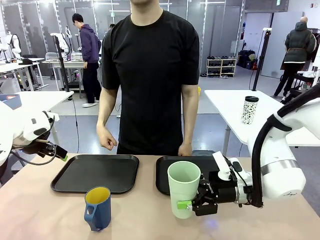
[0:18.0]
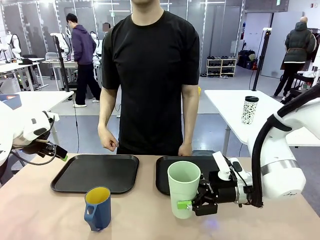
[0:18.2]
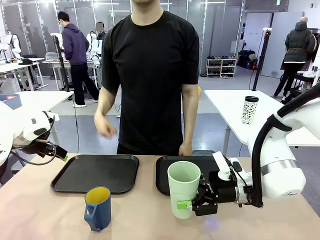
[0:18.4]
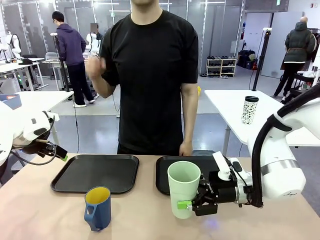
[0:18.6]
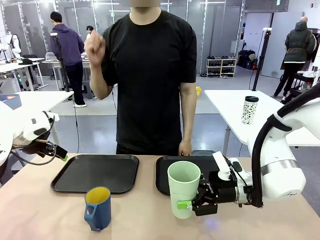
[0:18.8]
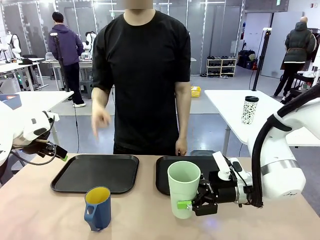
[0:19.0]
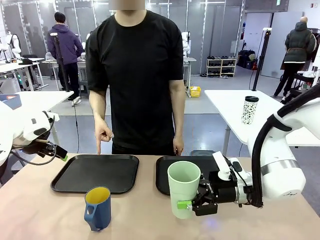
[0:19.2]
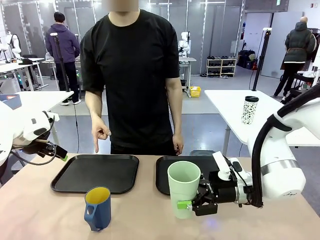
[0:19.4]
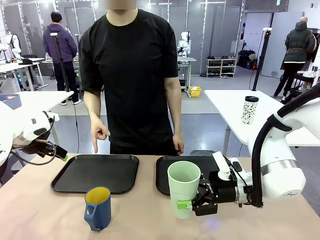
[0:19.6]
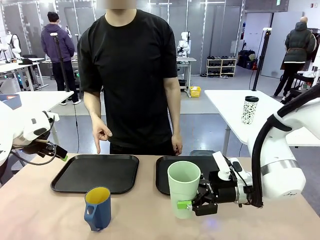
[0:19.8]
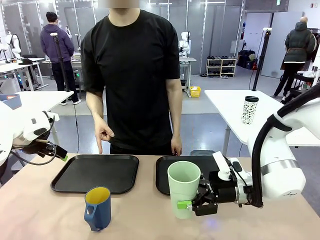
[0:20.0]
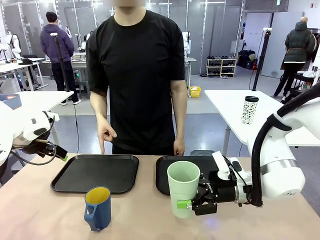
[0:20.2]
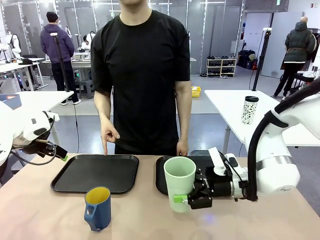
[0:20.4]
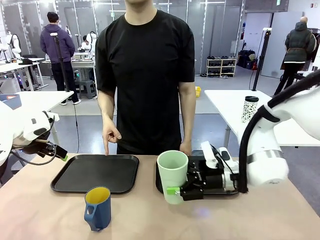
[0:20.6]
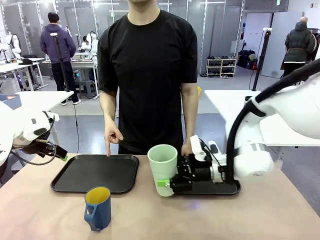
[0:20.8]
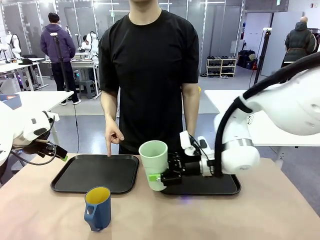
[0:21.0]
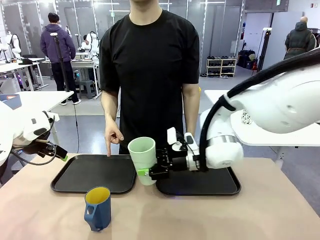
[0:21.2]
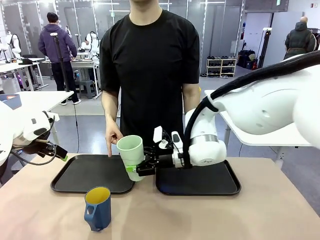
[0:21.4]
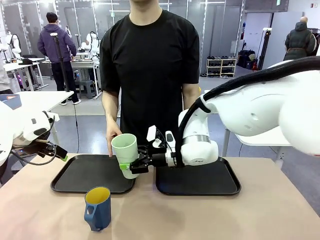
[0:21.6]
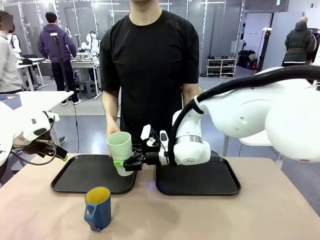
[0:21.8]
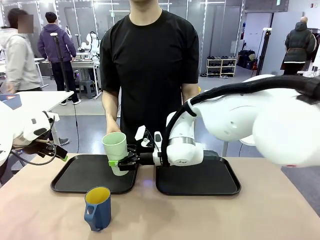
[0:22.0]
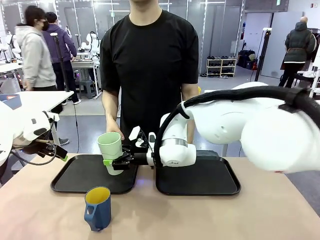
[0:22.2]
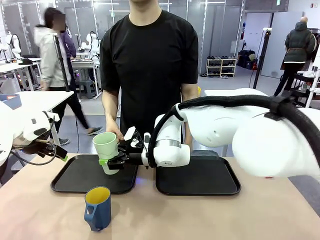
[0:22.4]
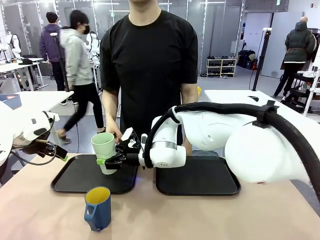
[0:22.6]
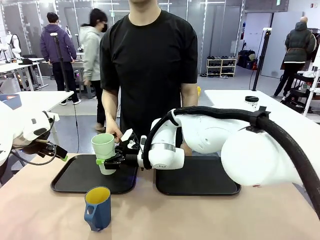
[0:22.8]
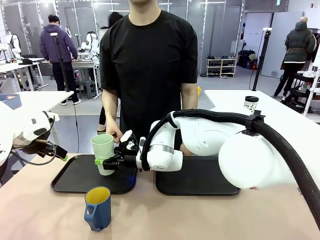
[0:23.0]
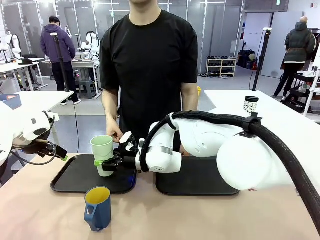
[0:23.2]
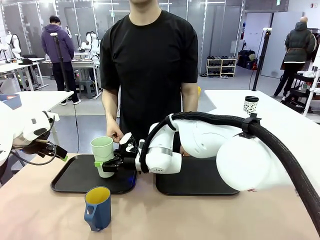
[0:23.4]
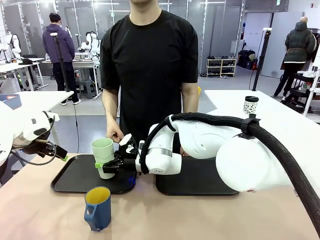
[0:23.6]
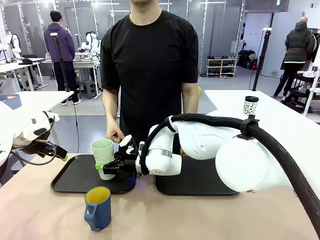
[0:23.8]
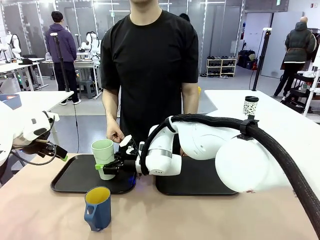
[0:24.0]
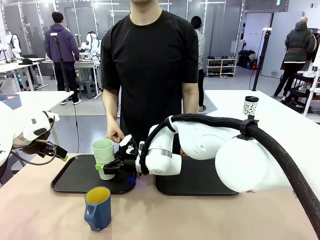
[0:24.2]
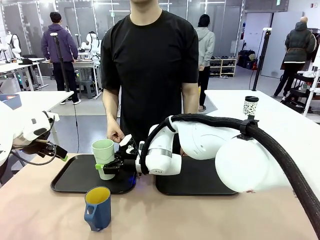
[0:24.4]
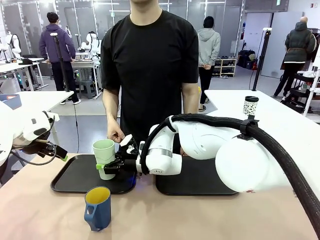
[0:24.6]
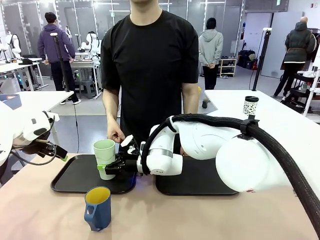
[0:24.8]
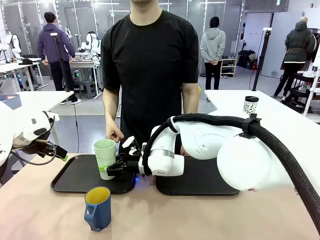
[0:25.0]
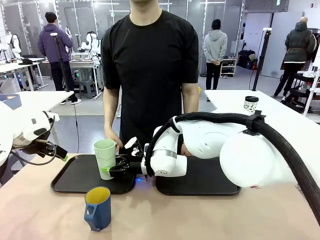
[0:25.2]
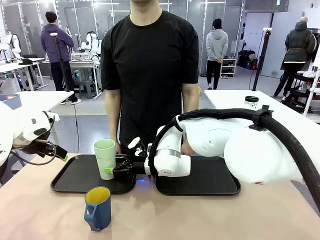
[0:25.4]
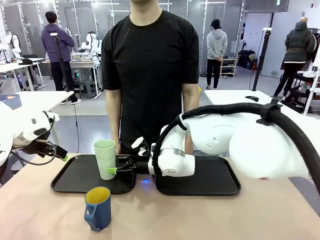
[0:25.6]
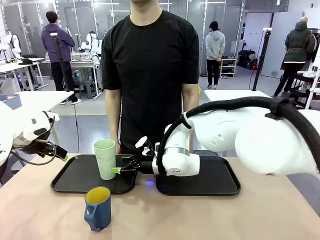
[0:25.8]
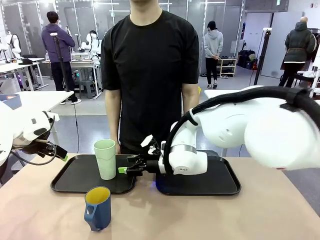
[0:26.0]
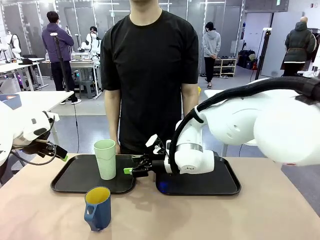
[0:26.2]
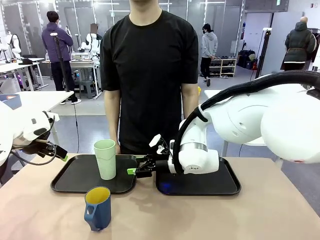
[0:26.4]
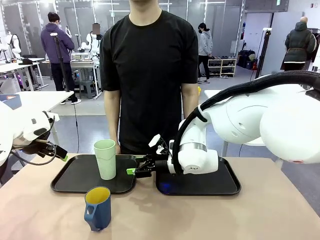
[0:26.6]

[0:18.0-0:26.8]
Task: Sort and store the cups by type.
Robot: Place the picked Reusable plastic cup into the Flat Tray indicated by the person.

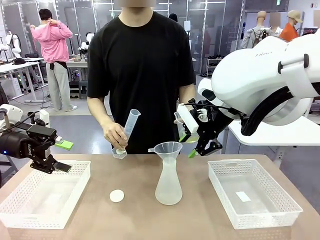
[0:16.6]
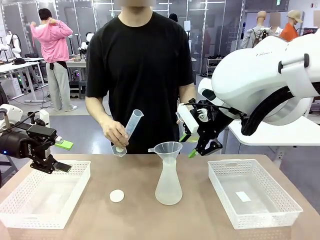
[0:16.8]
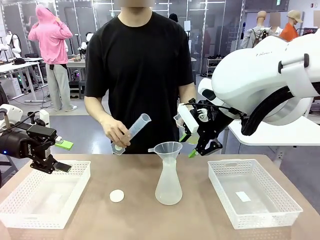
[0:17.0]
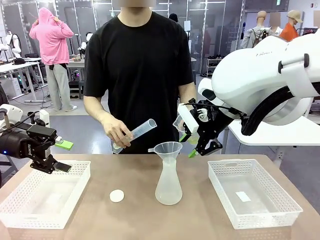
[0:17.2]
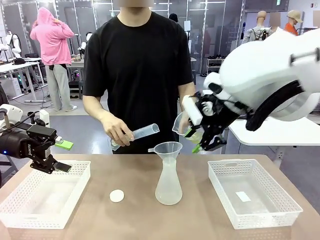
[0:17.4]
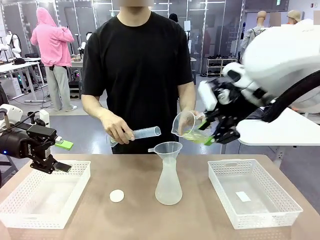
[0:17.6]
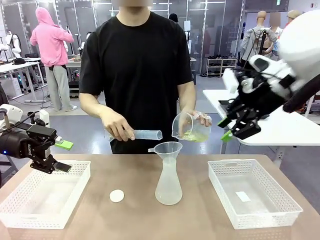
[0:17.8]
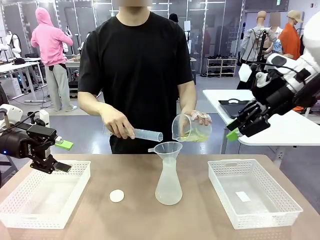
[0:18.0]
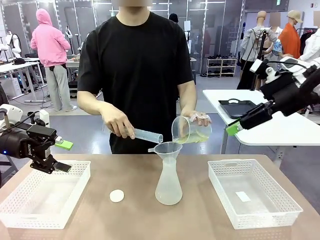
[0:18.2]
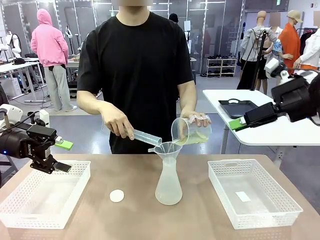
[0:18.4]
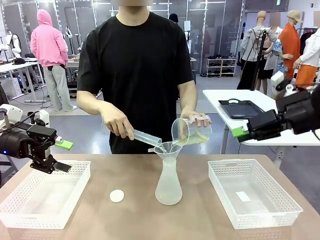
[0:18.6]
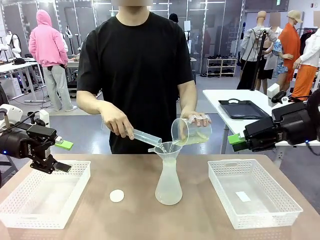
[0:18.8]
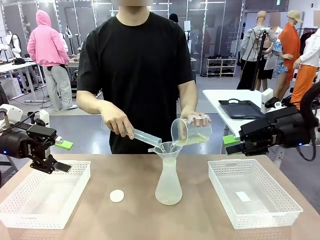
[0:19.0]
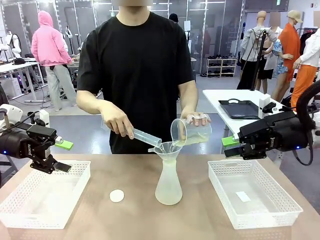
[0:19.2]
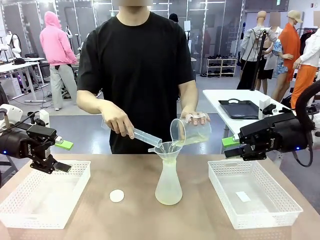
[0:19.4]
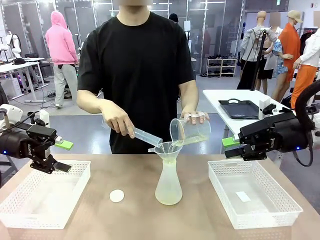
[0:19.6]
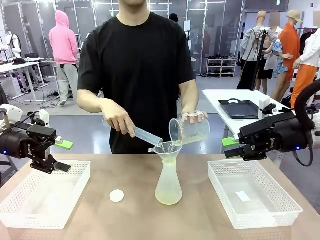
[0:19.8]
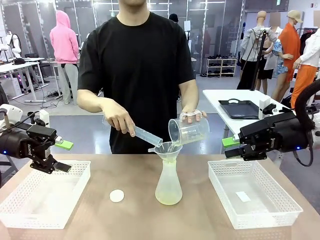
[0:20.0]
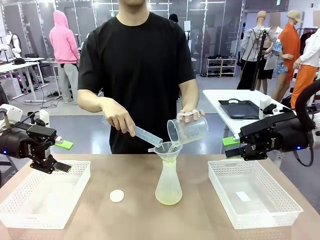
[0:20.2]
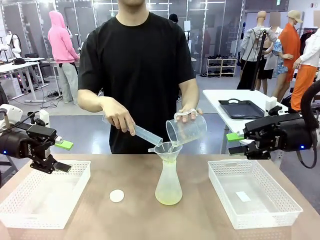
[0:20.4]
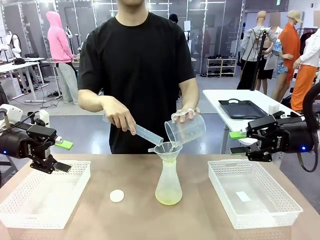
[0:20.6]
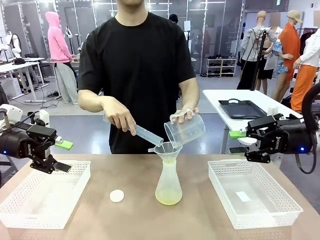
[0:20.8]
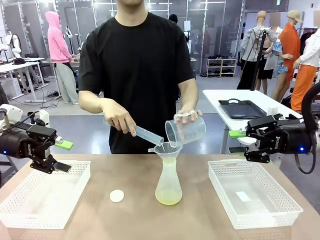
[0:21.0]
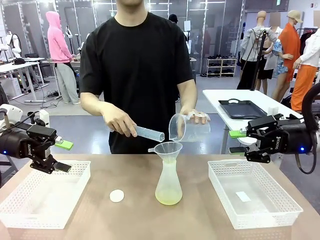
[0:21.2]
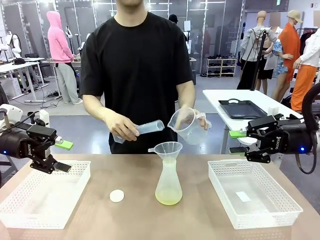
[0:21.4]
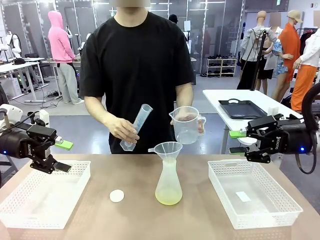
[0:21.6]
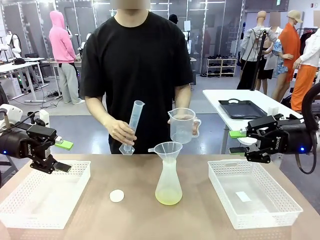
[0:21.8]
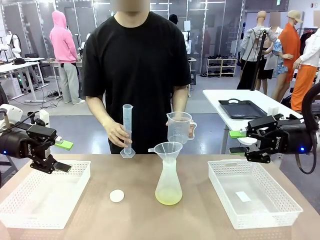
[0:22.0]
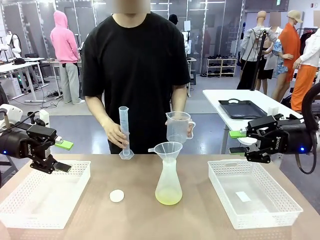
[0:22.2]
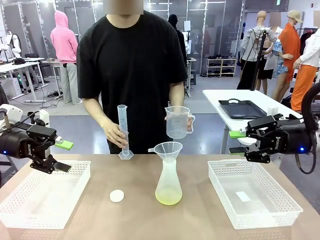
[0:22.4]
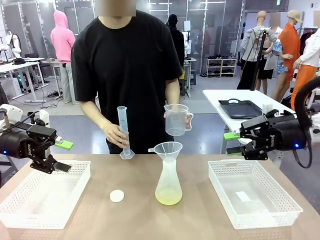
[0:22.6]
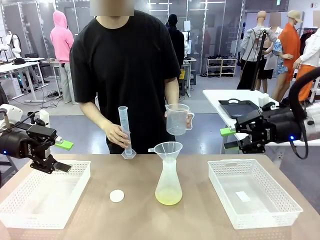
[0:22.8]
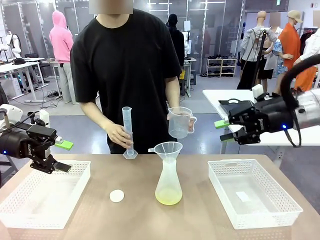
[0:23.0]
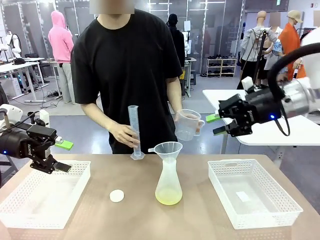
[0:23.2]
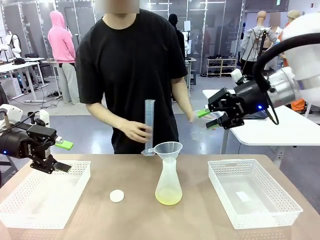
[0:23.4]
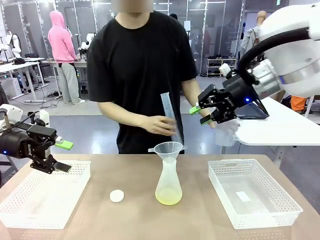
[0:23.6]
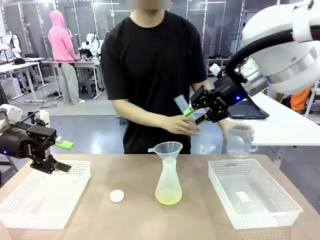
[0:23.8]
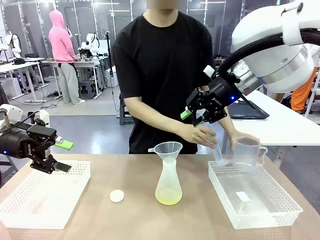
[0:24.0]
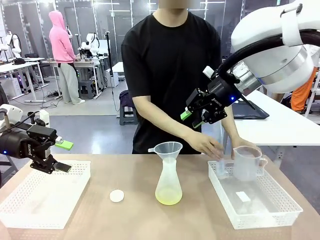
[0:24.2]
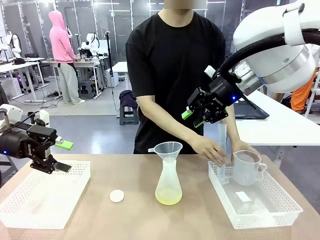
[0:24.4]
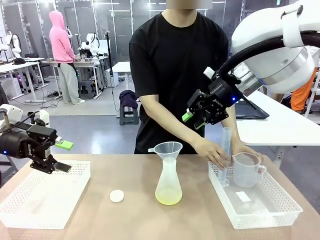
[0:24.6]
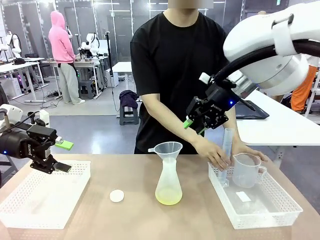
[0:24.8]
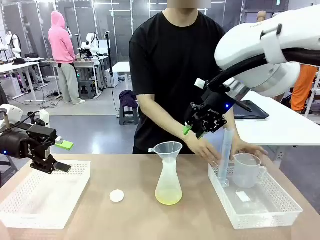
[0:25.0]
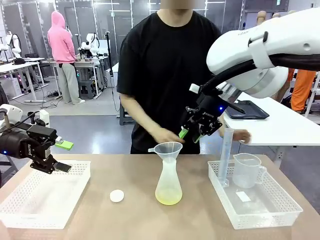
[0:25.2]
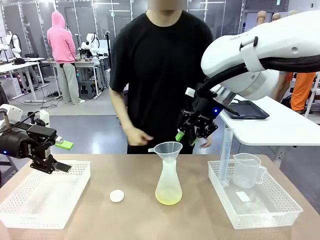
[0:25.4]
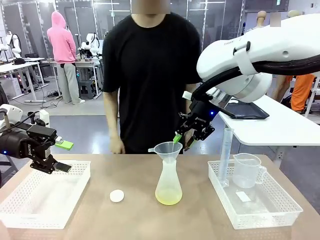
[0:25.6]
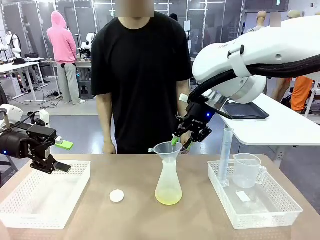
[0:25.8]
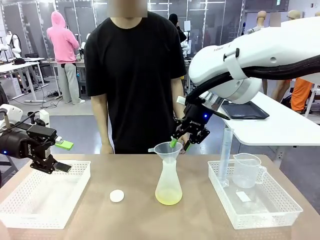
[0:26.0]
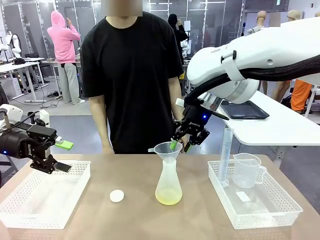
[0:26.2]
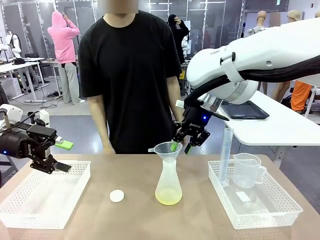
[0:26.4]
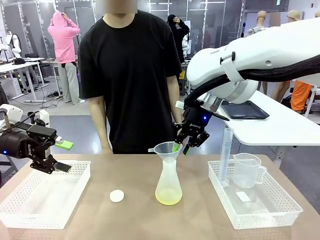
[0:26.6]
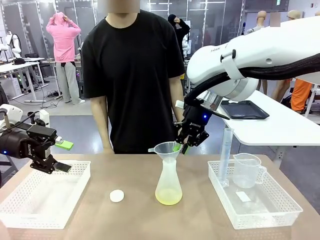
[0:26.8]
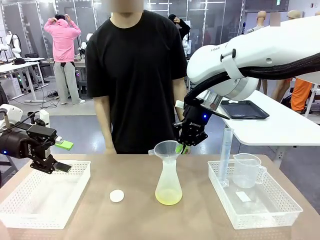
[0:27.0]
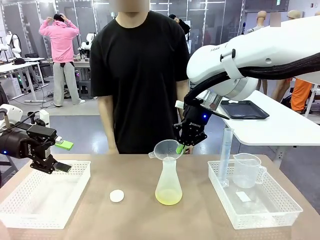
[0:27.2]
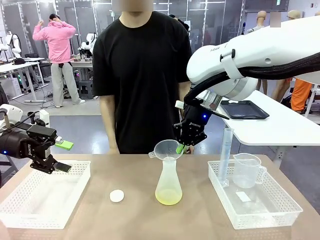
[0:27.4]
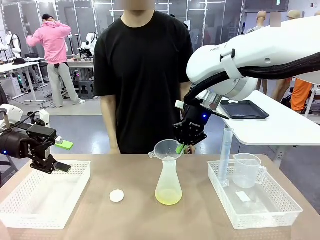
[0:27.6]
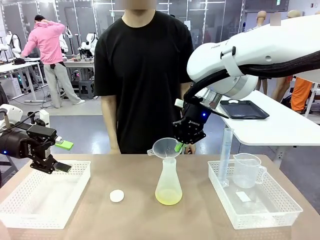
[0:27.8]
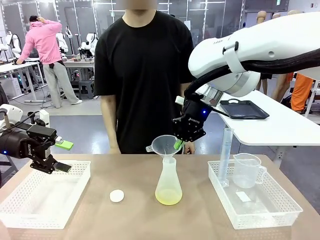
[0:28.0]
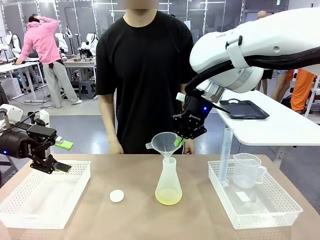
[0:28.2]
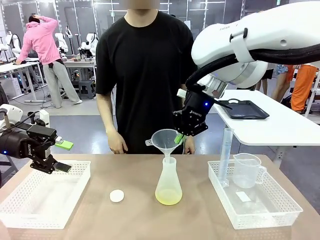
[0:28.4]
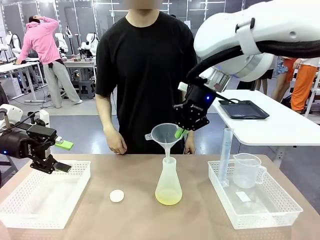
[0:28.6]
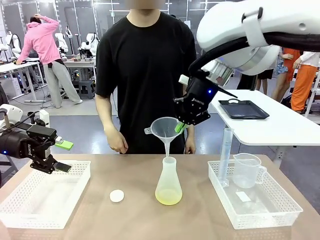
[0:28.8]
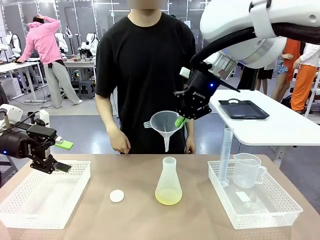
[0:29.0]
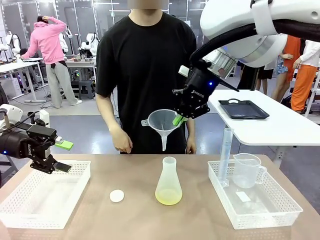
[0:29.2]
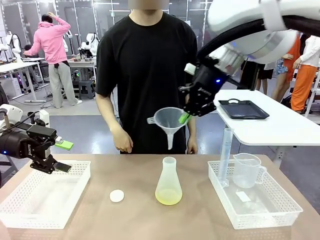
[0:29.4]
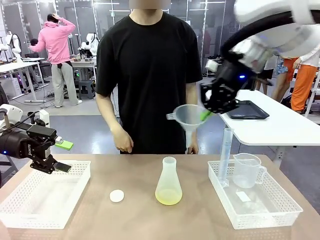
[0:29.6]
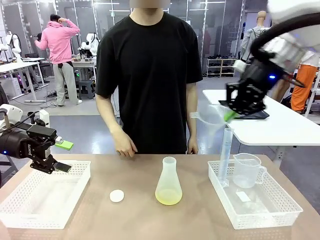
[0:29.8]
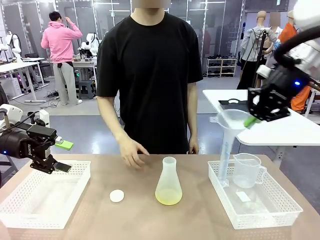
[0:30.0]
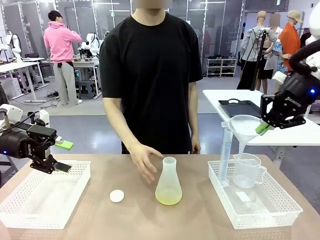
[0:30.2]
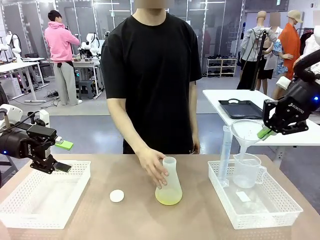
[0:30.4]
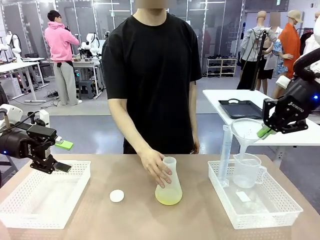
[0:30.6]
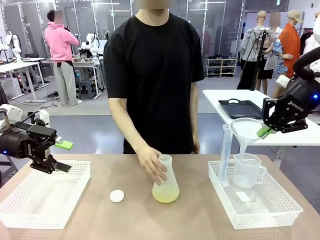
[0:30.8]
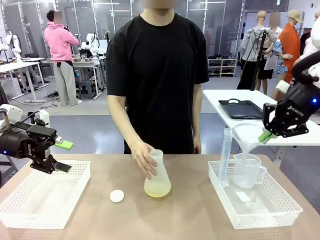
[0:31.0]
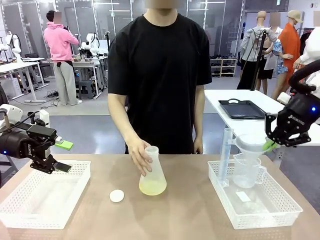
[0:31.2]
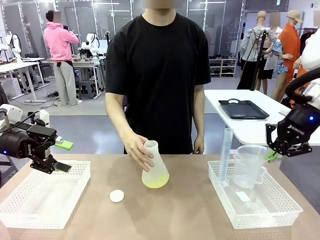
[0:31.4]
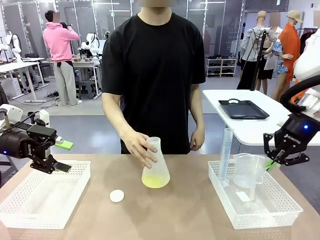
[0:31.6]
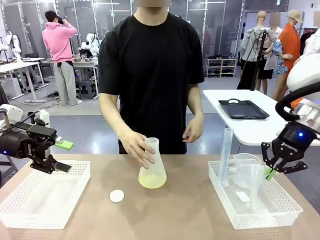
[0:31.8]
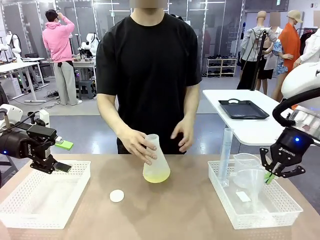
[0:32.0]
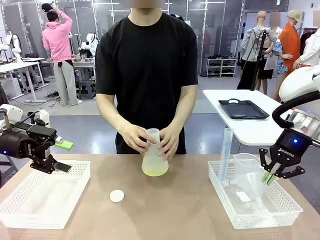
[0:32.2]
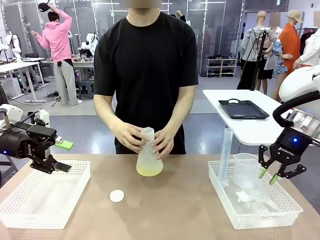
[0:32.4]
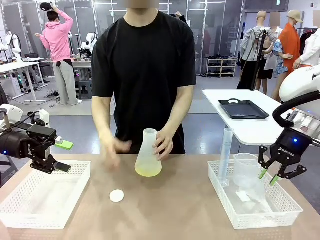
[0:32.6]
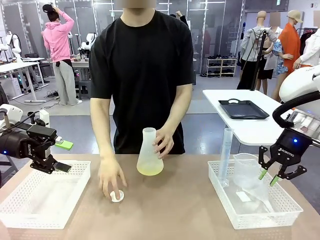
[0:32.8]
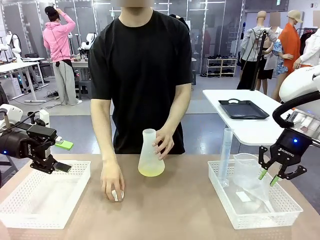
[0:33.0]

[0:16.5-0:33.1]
Task: Prepare the solutions needed for the experiment.
Robot: Once the solution is in the Big flask , pick up the Plastic Funnel and place it back into the right Organizing basket.
Person: Place the beaker and the cylinder into the organizing basket on the left side. Pick up the flask, gently shake it 2–3 times, place it in the middle of the robot table, and close the lid.
